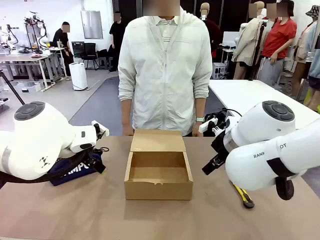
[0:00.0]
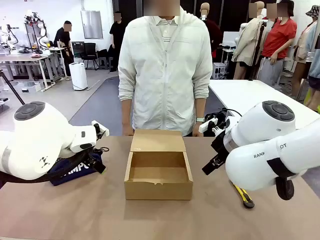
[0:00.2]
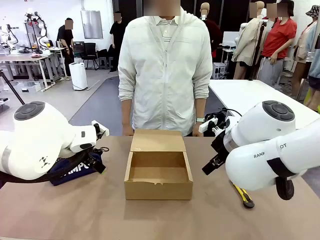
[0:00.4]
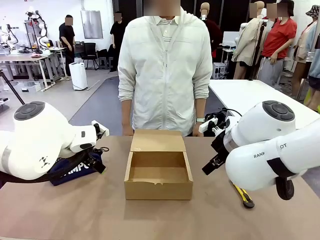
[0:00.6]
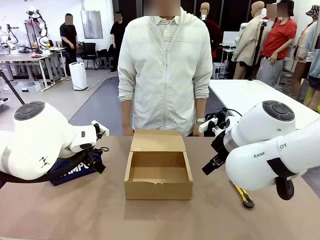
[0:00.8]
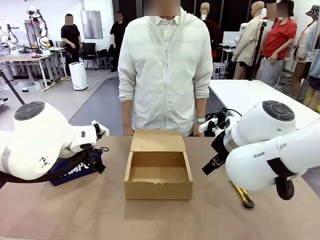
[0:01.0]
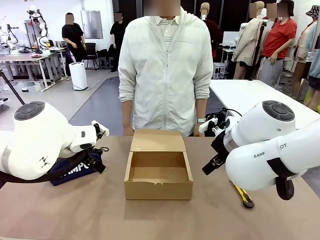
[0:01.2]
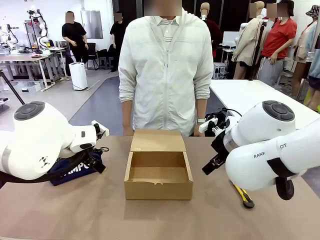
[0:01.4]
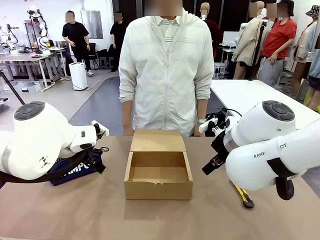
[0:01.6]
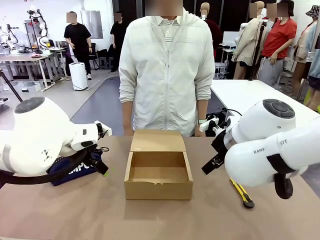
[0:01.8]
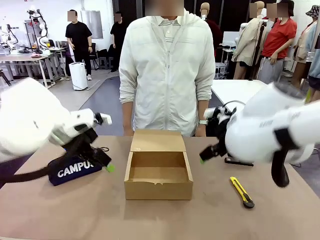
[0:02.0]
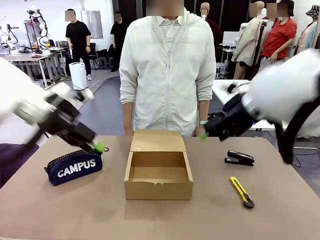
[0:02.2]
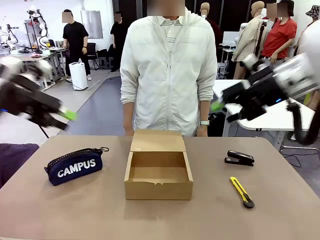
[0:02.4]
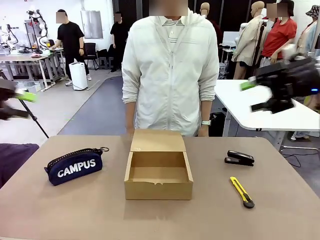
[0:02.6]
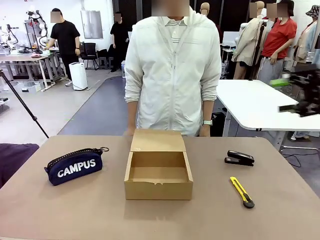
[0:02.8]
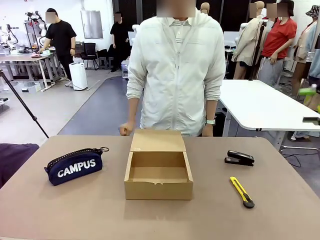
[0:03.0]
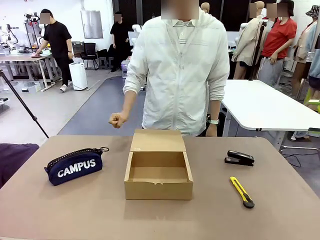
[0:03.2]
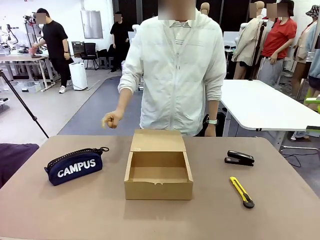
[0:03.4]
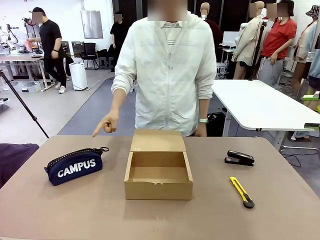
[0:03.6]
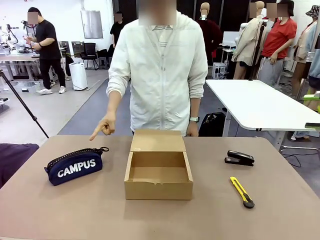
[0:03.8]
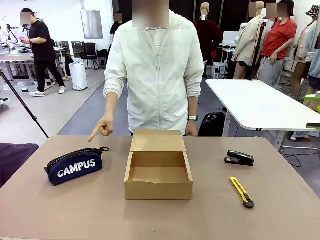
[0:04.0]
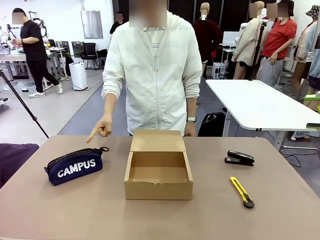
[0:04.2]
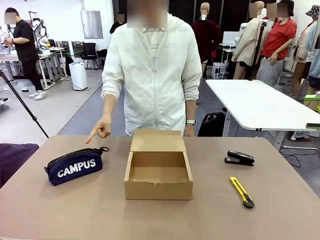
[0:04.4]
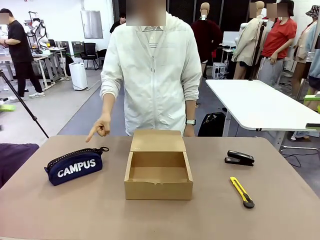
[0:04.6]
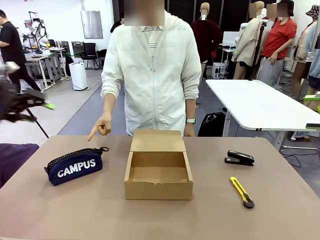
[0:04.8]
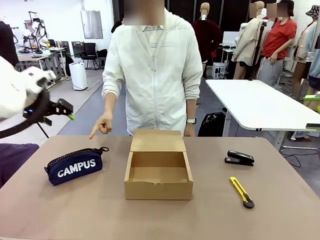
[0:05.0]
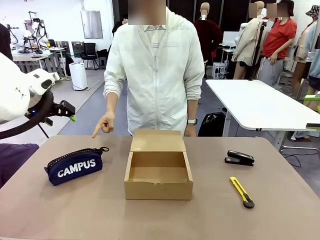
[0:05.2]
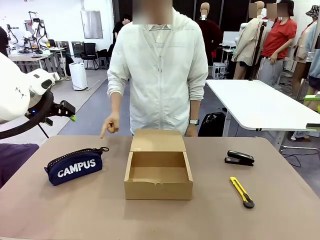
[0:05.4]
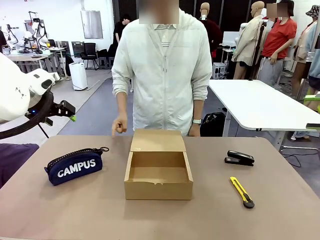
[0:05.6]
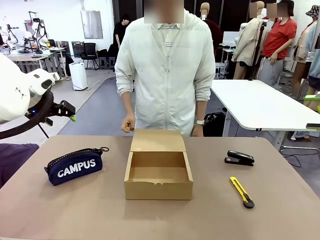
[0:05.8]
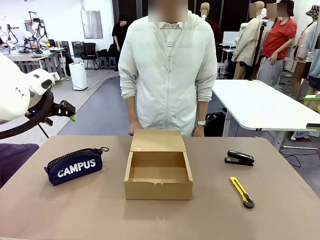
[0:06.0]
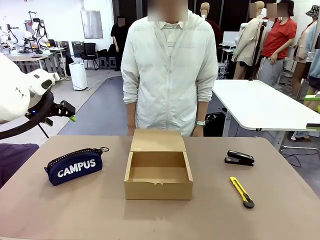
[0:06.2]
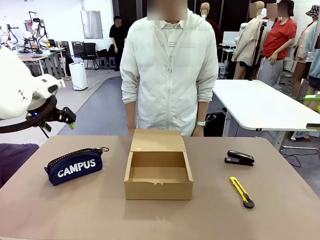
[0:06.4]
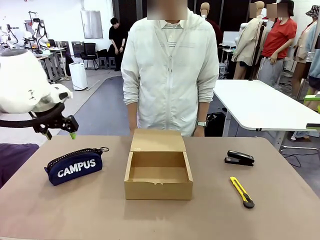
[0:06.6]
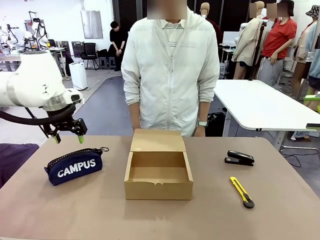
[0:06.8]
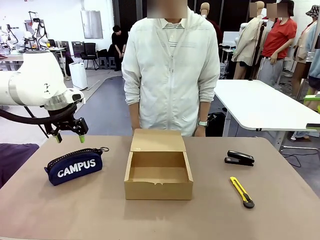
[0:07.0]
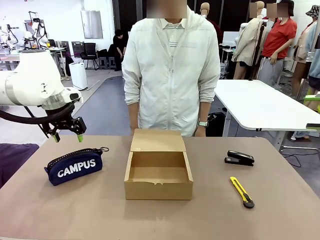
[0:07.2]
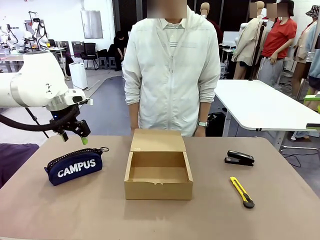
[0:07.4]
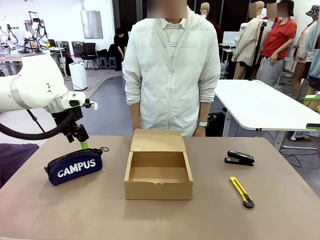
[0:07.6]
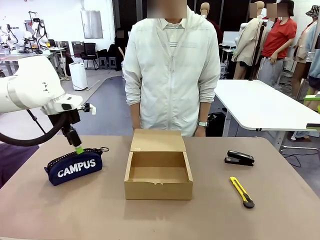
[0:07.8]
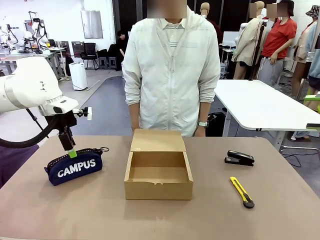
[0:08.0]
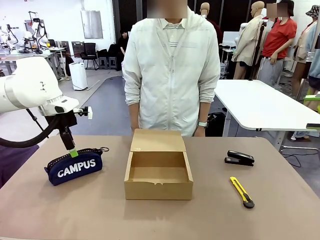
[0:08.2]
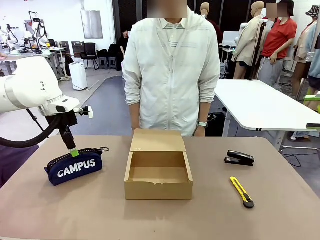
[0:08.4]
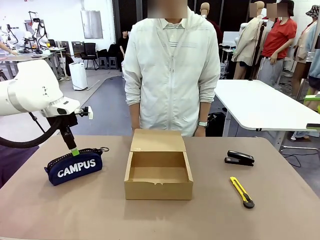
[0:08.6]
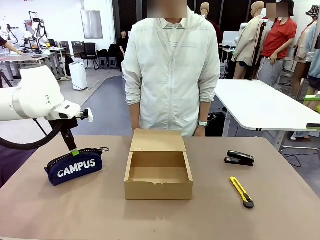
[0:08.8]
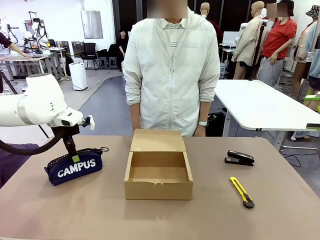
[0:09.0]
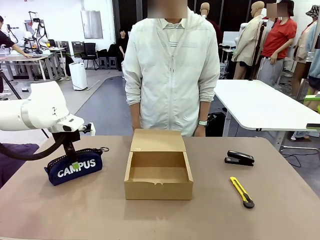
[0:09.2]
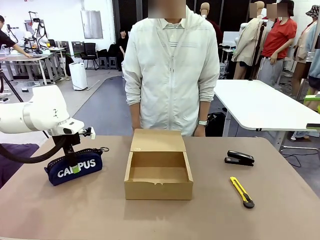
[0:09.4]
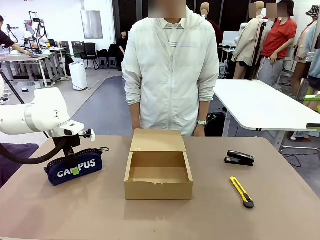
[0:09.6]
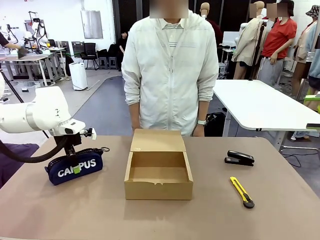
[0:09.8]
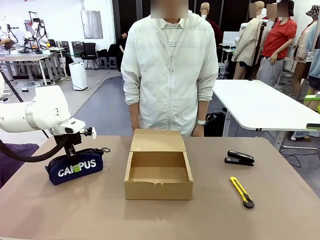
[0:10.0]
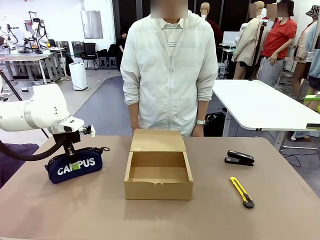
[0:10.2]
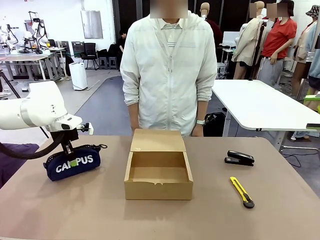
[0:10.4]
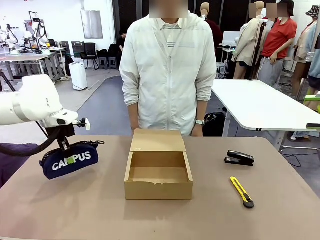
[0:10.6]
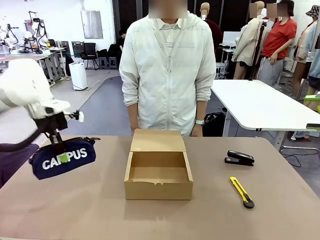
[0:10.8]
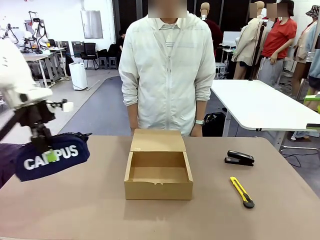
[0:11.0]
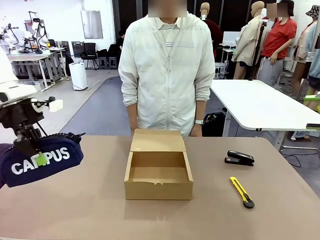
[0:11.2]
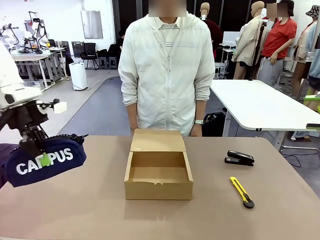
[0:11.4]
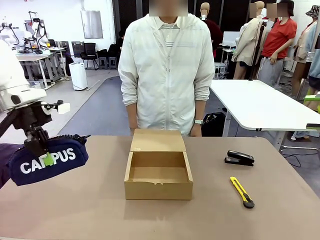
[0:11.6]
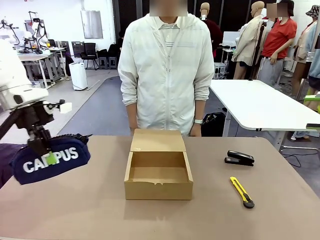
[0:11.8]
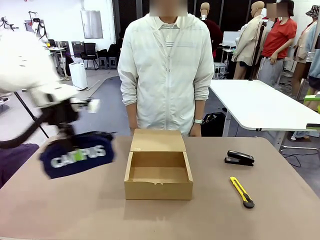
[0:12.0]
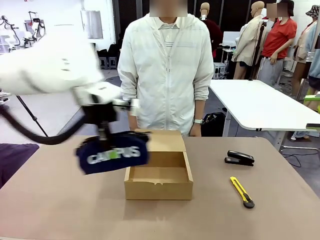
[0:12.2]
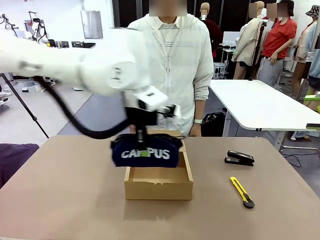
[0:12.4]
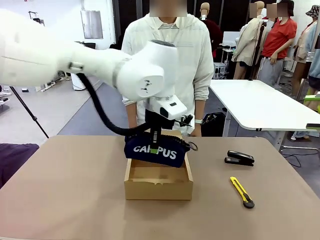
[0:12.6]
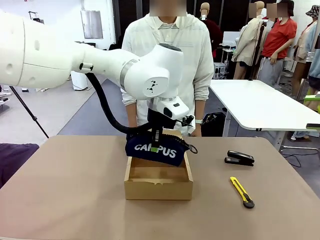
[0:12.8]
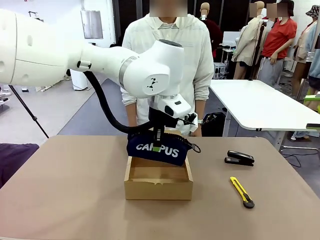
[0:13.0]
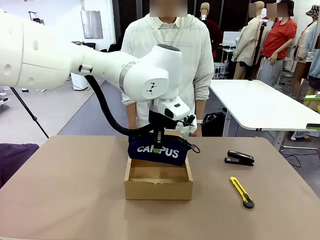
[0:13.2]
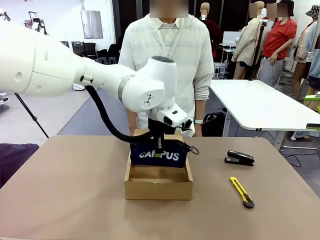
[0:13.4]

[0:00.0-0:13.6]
Task: Pack the items into the box.
Robot: Pick up the item specified by the human and place it in the Mailer Box.
Person: Point at one item on the table (excluding the box).

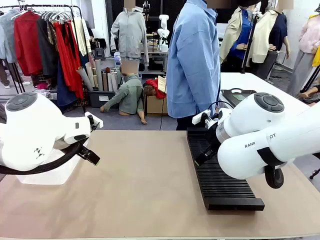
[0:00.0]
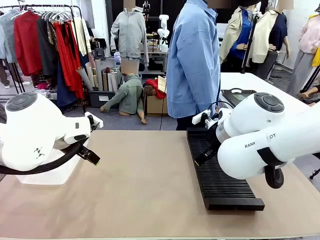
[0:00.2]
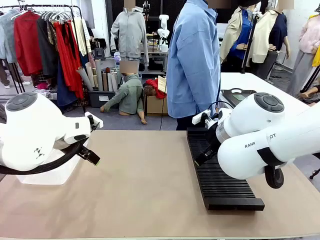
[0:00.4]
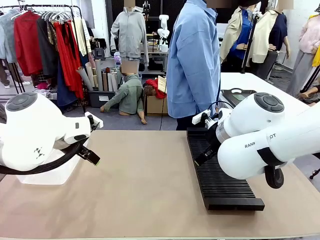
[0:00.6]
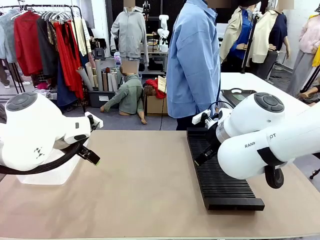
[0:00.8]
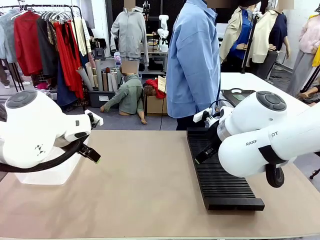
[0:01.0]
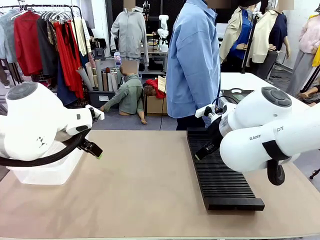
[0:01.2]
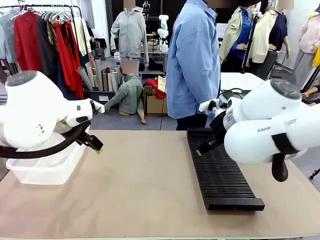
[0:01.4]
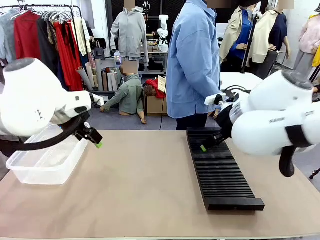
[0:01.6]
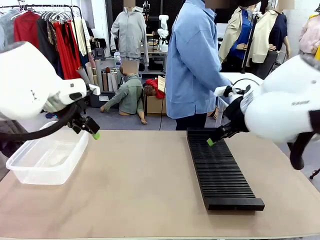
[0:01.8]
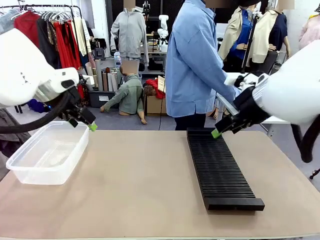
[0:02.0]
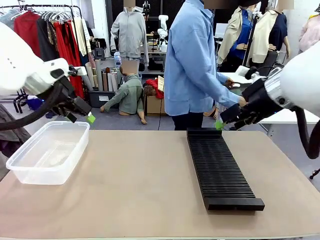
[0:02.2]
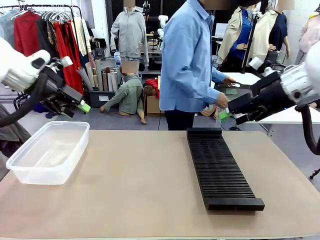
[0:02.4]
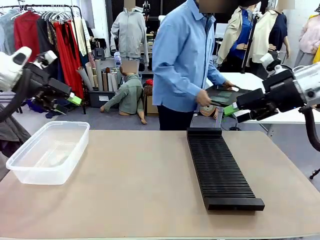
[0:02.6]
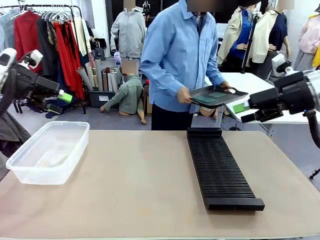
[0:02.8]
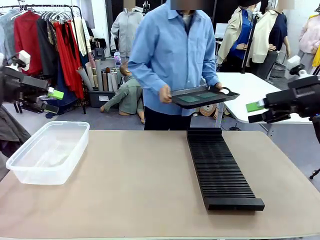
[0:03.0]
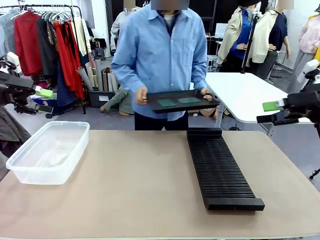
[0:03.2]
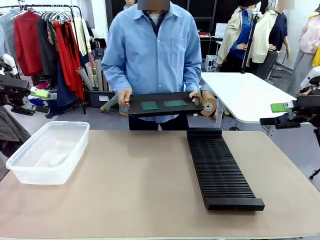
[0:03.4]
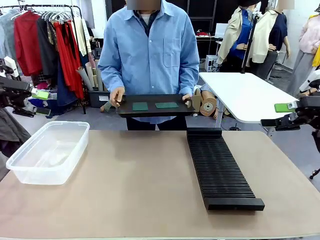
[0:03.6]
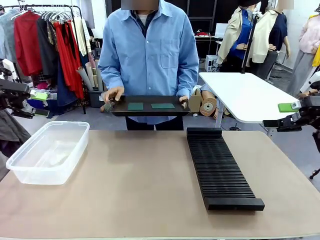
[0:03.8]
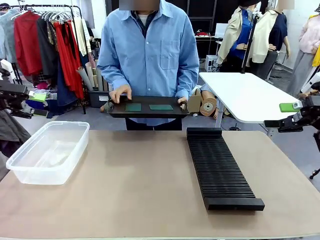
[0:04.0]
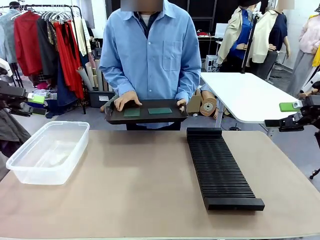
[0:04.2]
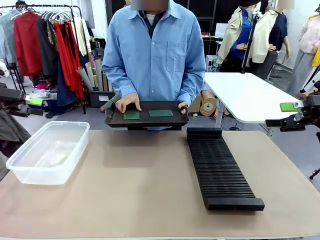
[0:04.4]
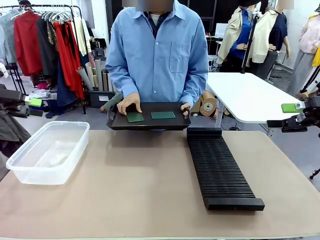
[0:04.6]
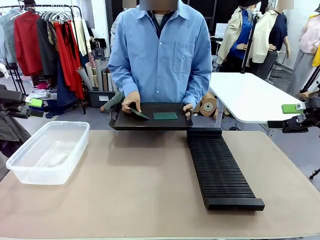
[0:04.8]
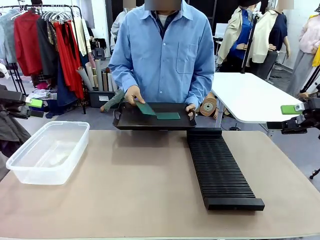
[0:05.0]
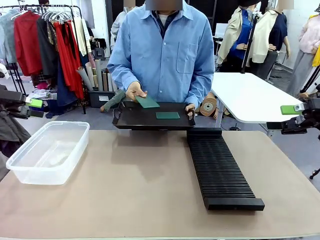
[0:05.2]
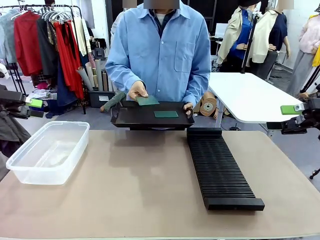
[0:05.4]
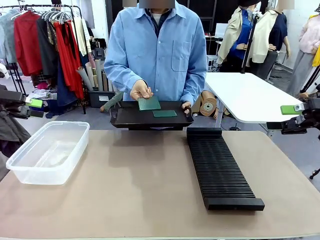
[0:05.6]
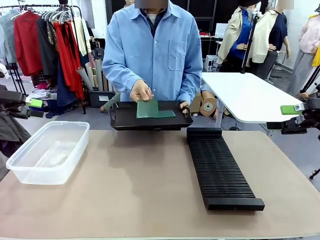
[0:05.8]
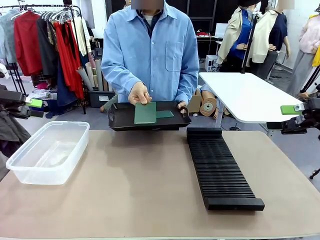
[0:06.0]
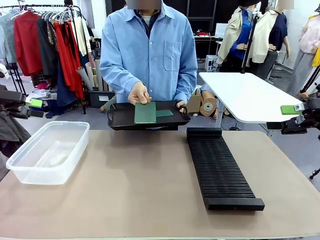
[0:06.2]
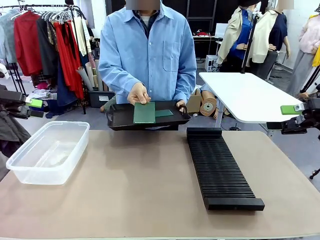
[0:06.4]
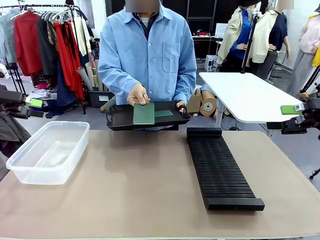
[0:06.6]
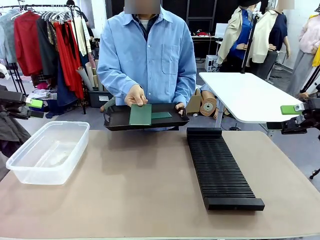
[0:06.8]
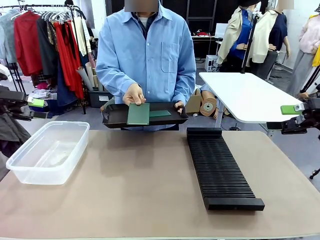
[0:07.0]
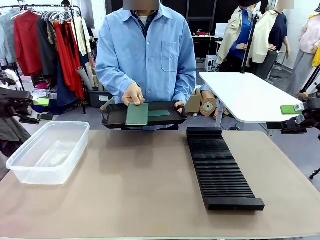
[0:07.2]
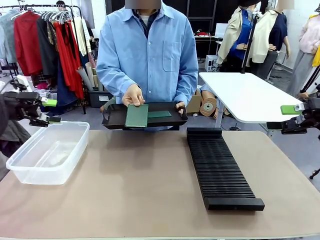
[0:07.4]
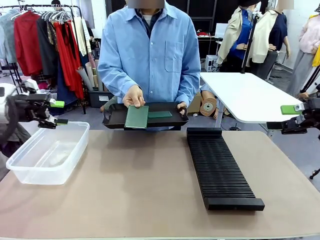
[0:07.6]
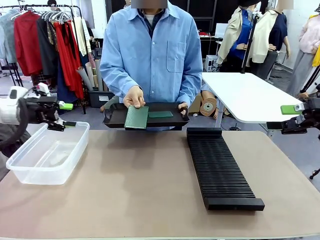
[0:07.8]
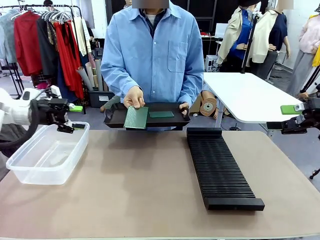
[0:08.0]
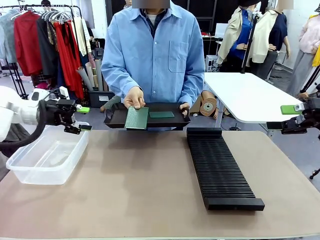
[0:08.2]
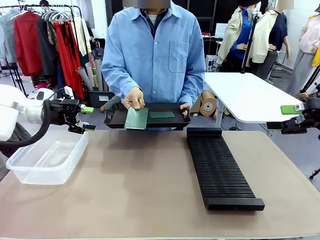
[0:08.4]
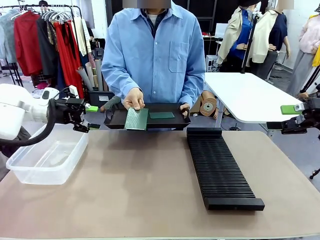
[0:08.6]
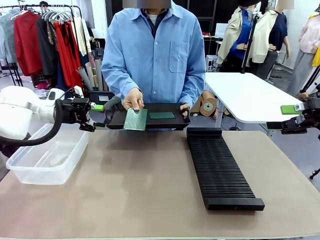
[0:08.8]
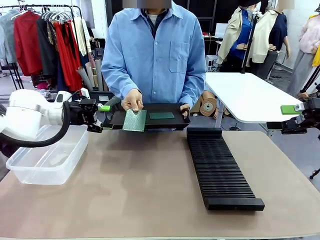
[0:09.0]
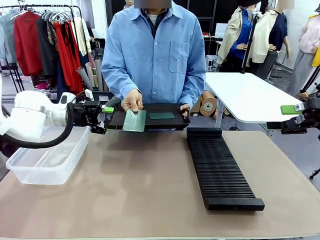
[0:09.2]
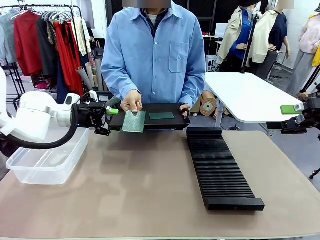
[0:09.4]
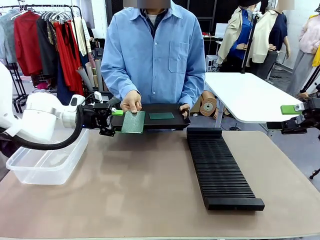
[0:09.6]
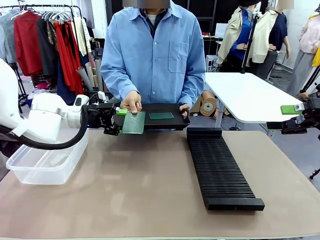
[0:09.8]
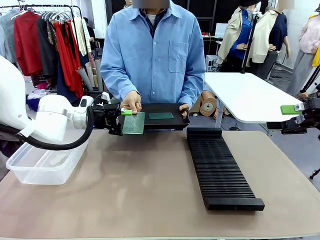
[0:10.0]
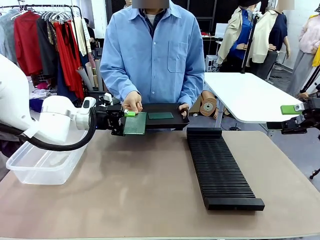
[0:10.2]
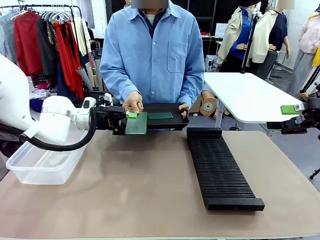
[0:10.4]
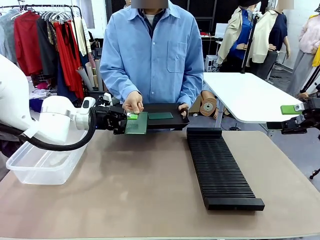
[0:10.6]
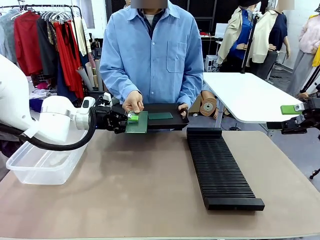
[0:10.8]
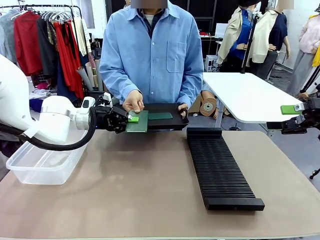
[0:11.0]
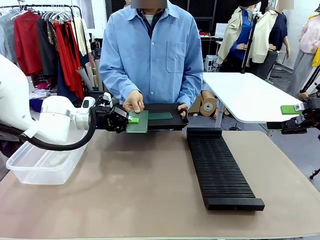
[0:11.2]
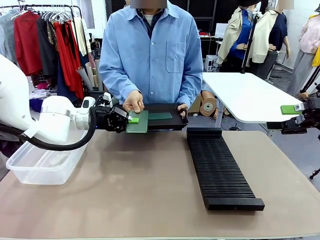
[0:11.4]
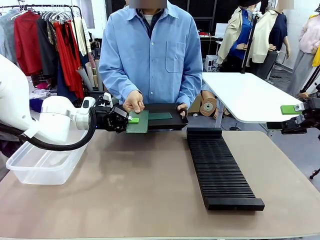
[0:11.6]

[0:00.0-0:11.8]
Task: Sort PCBs into racks and boxes based on the side picked up.
Robot: Pick up the Blank PCB handed by the Human.
Person: Pick one PCB from the tray and present it to the robot. Release the PCB being held.
